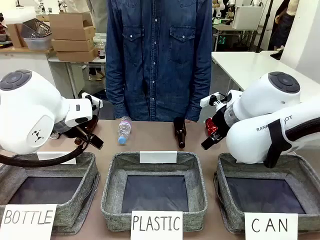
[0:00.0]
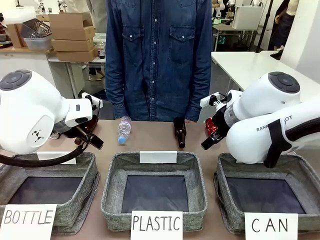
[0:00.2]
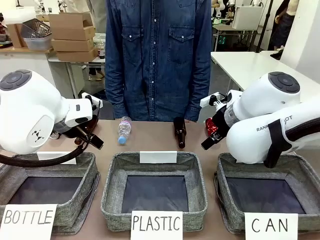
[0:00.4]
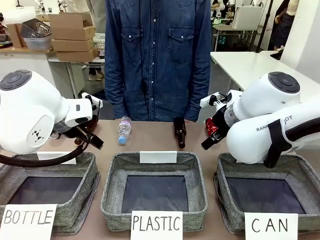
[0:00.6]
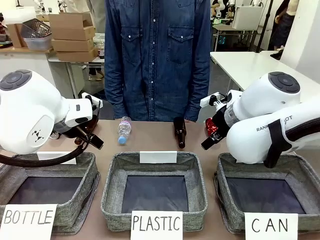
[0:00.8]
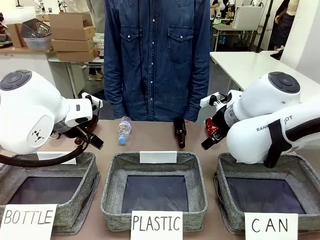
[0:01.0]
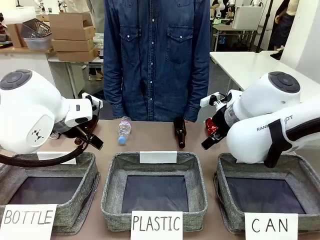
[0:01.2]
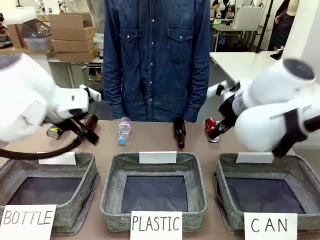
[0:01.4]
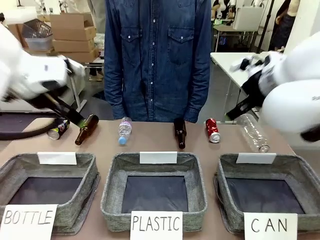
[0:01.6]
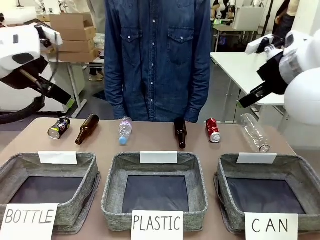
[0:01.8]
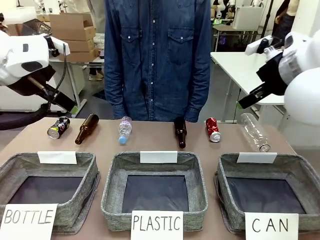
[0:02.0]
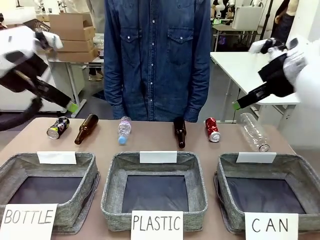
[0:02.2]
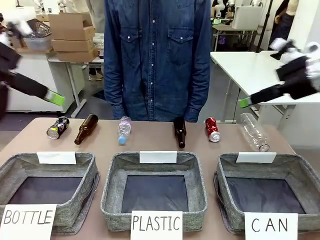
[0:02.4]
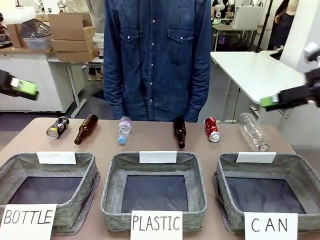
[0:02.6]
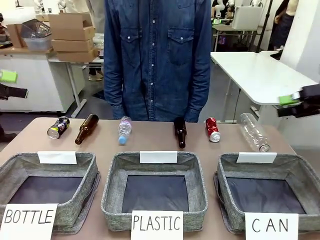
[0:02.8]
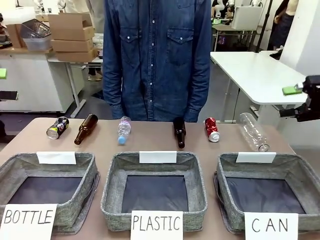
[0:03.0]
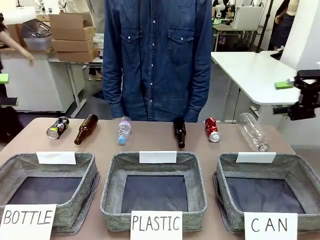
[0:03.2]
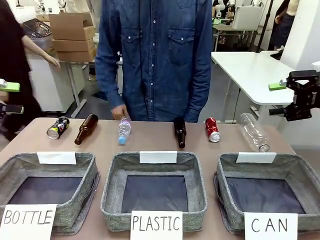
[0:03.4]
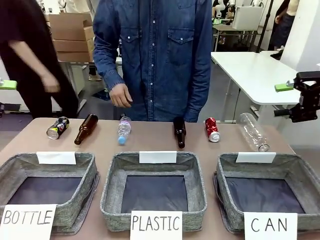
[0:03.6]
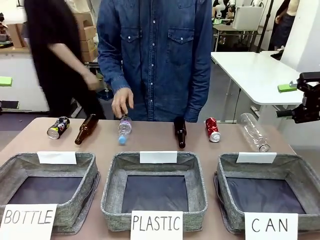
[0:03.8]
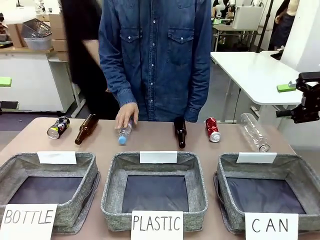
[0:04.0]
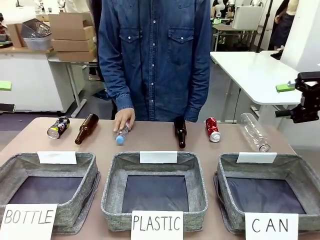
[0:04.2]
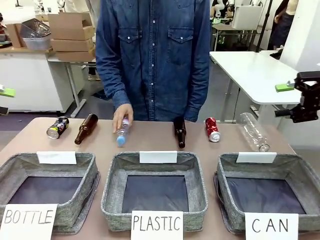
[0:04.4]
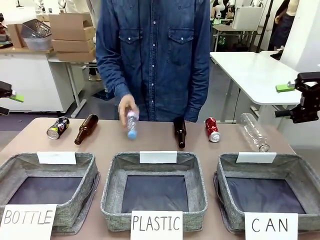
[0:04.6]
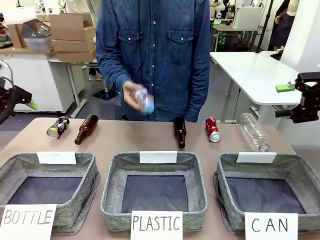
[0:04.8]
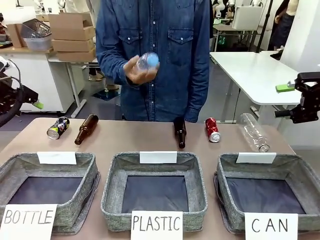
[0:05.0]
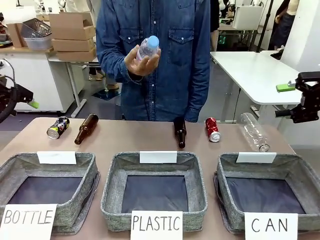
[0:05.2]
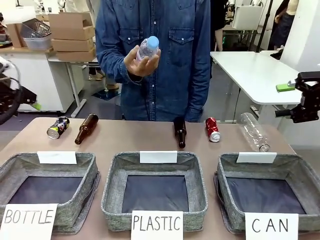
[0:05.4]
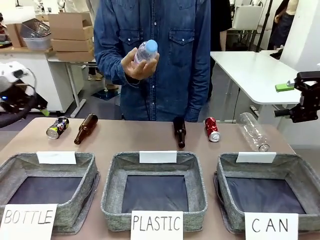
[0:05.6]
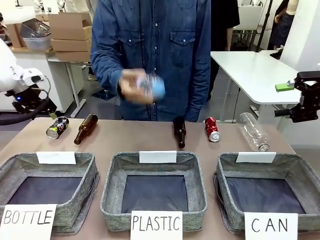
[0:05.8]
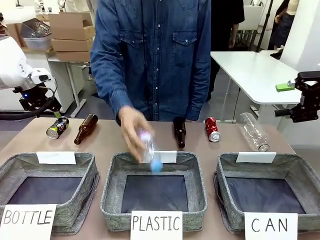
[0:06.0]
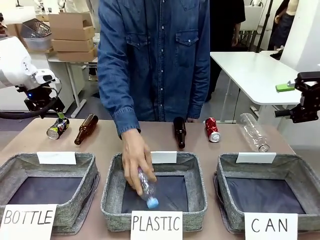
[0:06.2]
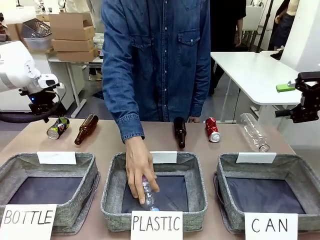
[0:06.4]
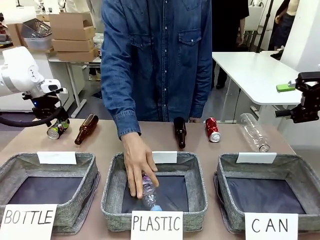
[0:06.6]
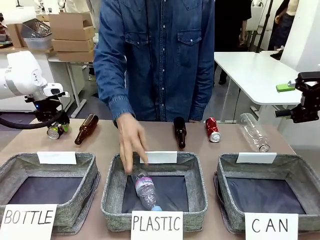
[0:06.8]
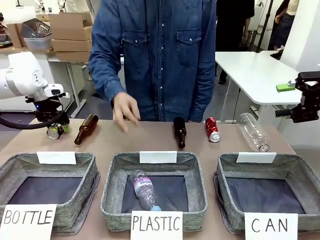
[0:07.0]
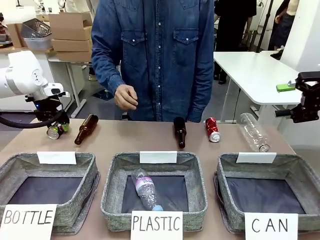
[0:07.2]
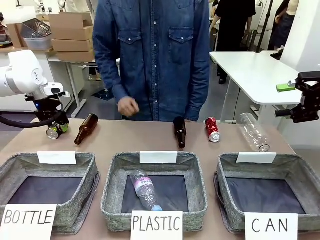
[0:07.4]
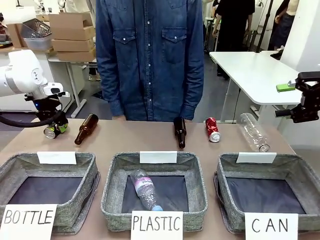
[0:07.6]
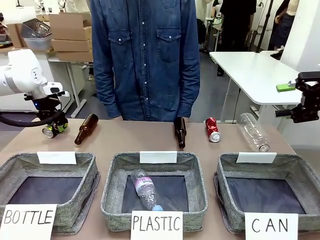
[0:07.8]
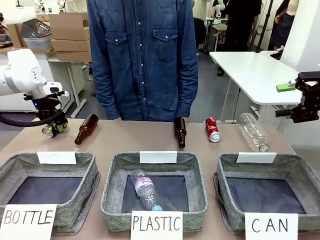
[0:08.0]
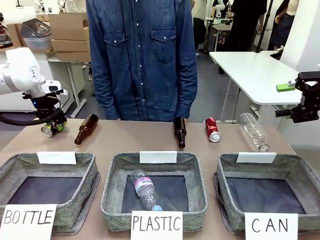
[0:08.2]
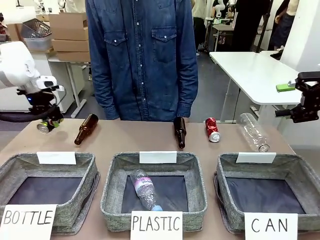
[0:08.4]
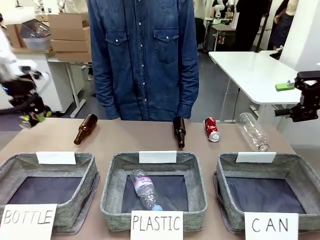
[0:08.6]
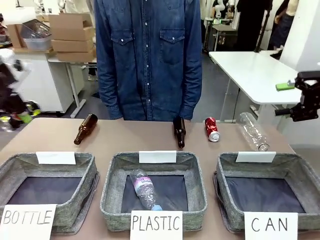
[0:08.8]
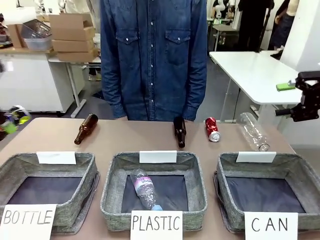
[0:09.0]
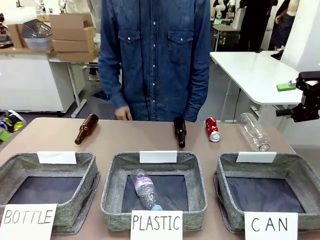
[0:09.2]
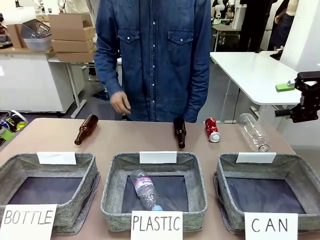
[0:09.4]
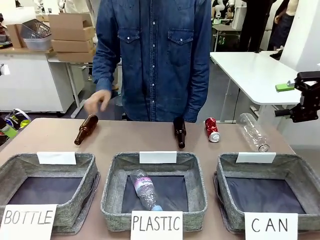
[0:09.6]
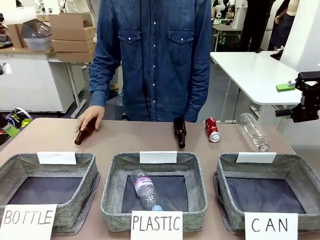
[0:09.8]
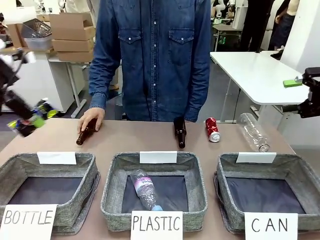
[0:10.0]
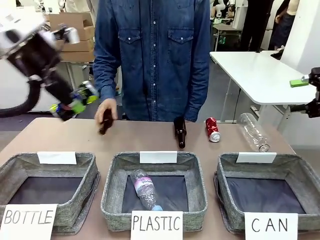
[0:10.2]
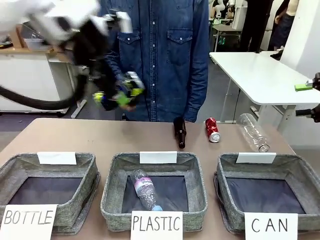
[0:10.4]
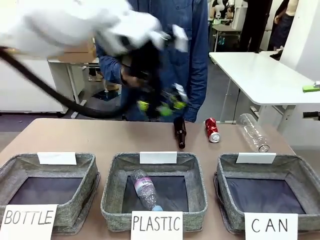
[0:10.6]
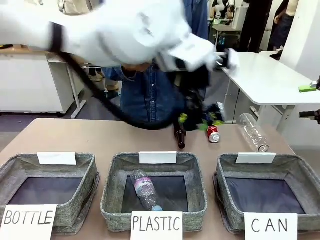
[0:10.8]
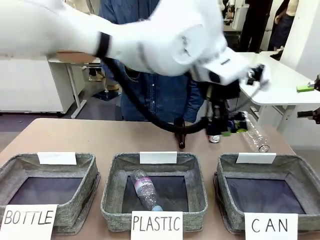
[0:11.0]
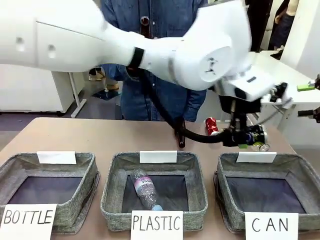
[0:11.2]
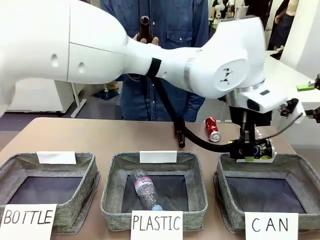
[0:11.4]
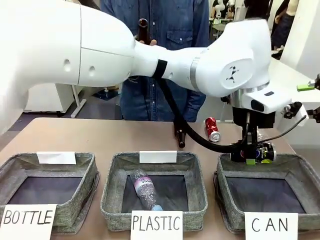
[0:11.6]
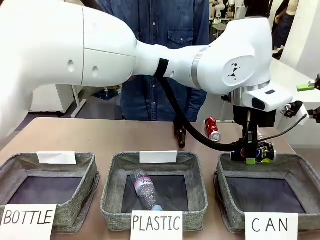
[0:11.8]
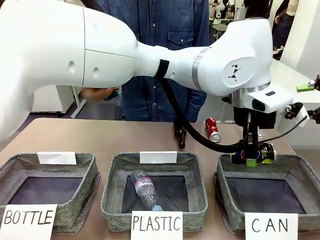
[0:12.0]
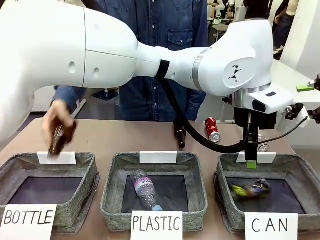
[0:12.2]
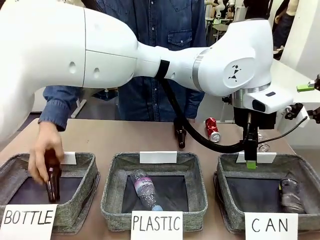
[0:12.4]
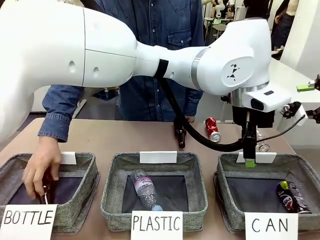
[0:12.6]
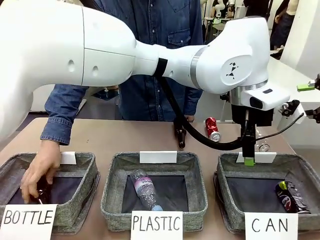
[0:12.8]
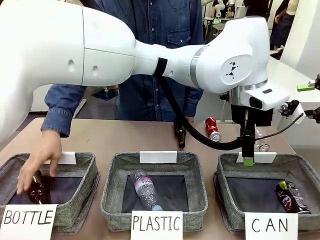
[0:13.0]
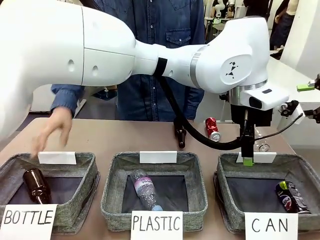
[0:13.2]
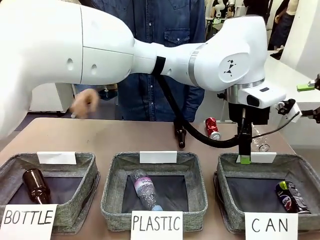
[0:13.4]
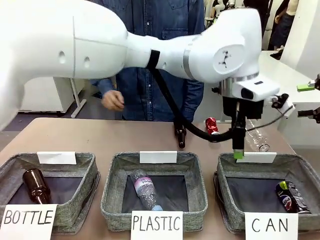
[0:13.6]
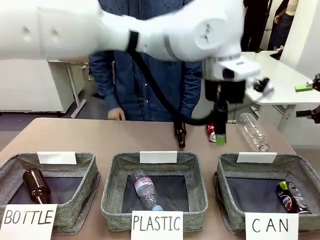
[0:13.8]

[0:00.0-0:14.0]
Task: Sort the can waste into the basket.
Robot: Pick up the can waste from the table and place it in the right Fabric basket.

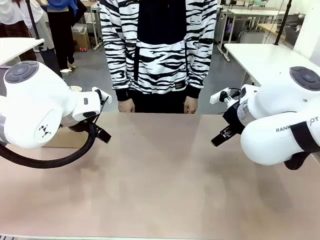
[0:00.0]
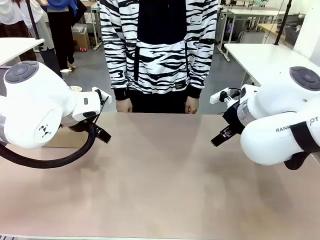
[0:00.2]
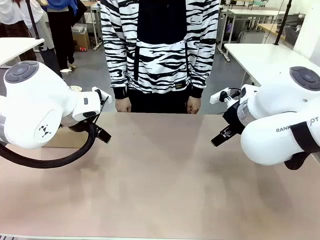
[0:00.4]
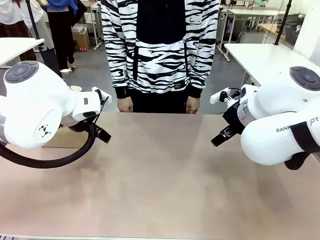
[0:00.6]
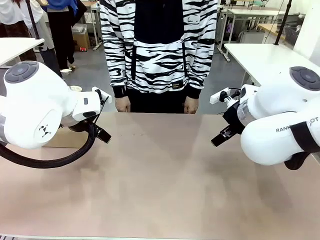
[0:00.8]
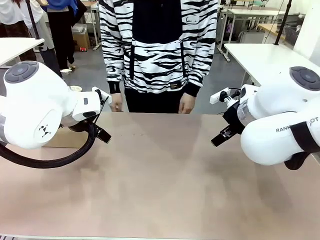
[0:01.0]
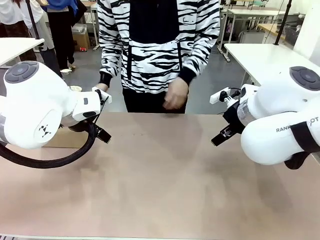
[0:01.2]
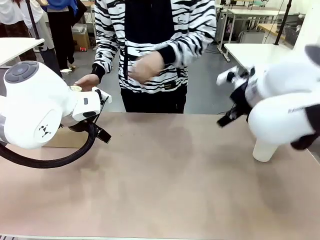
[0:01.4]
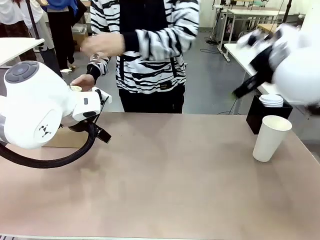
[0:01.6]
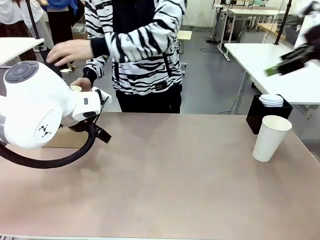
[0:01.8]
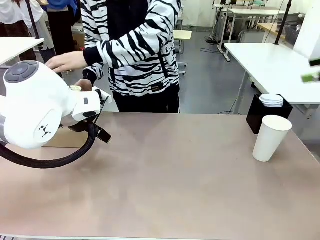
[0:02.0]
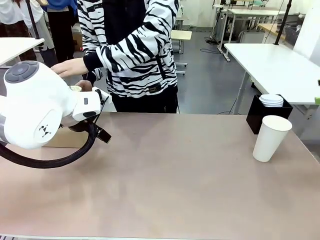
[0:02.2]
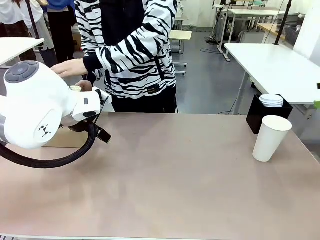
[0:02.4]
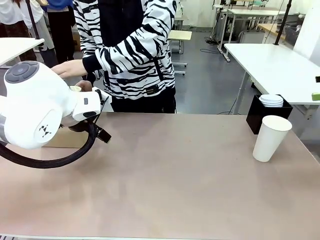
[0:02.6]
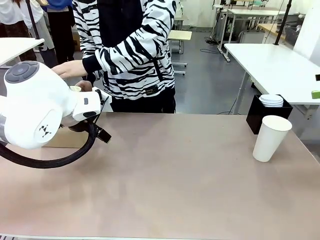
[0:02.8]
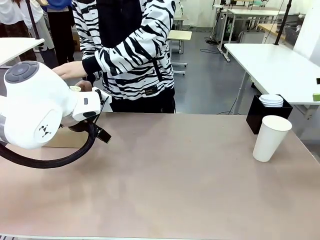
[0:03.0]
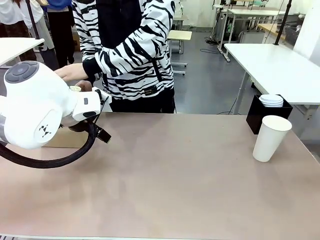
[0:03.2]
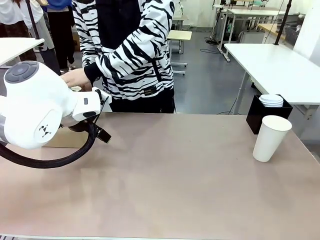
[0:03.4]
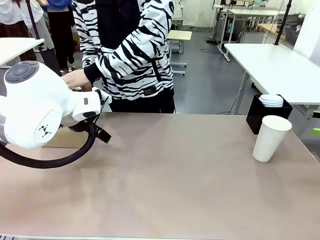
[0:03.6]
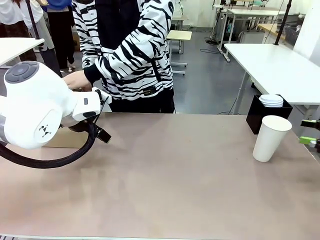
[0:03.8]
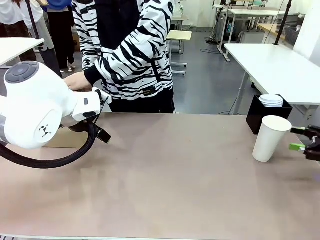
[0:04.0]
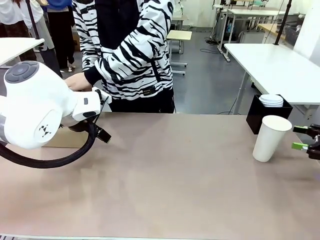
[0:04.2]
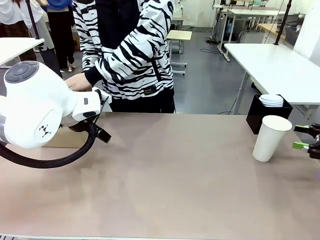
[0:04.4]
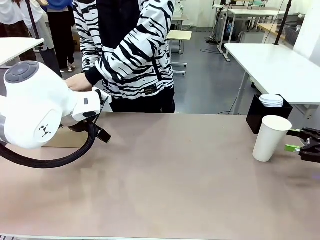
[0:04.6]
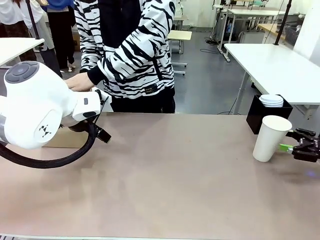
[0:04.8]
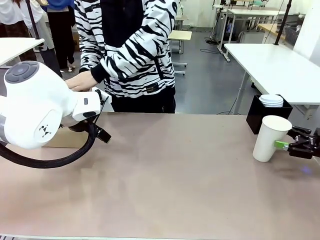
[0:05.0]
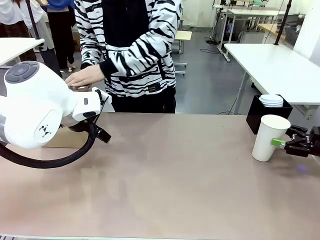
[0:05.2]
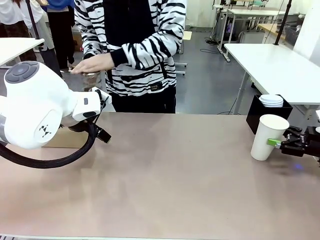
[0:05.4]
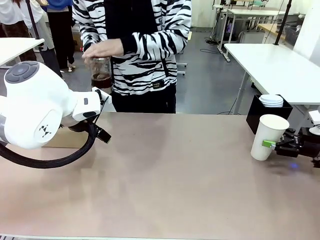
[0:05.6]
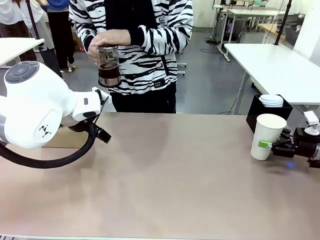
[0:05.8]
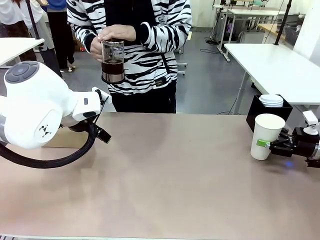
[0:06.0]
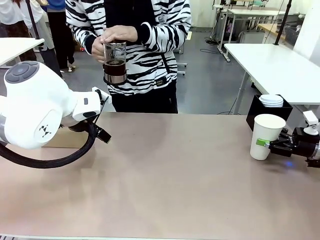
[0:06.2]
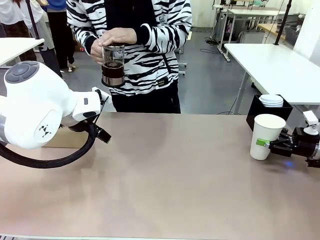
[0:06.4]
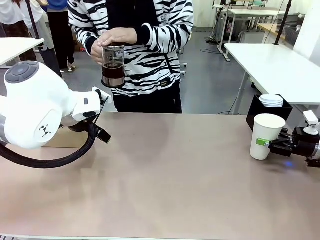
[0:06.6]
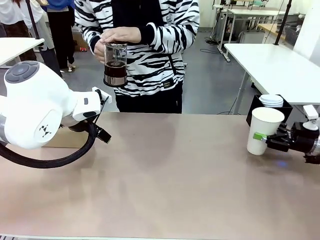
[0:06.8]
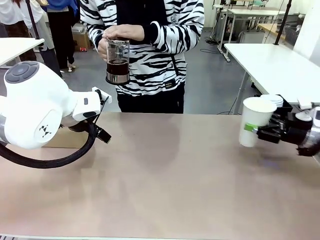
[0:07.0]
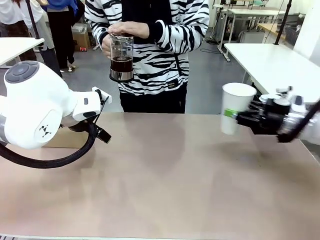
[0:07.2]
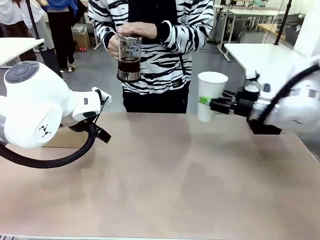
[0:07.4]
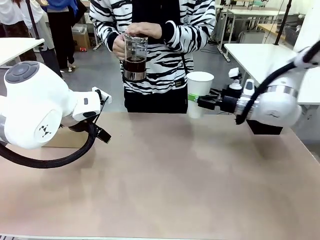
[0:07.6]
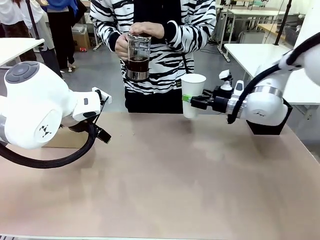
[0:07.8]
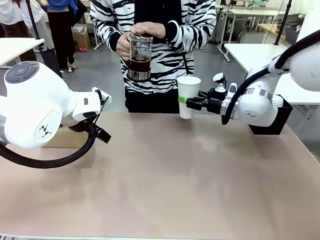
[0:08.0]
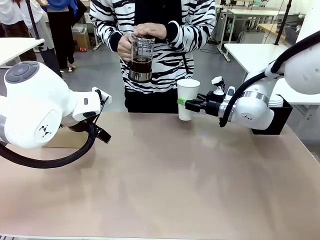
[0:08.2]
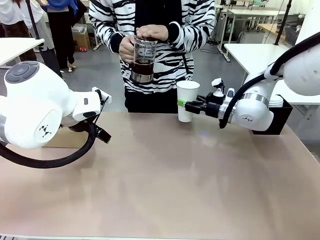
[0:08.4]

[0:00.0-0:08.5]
Task: Pour a drink into a cup and package it in a carrier.
Robot: Pick up the 600 ml Paper Cup and place it in the middle top area of the table.
Person: Press and pick up the Filter Brewing.
